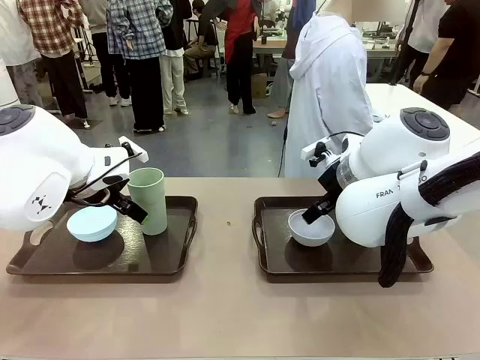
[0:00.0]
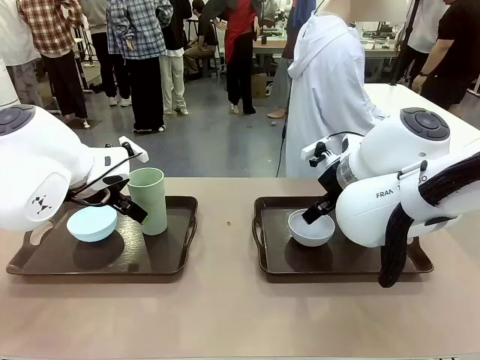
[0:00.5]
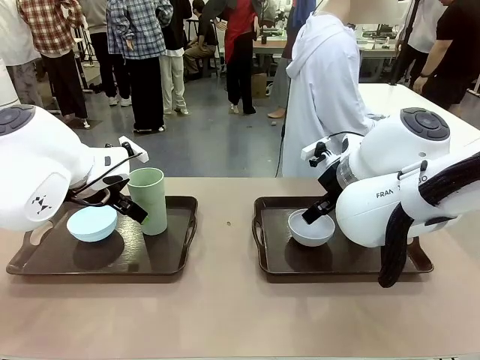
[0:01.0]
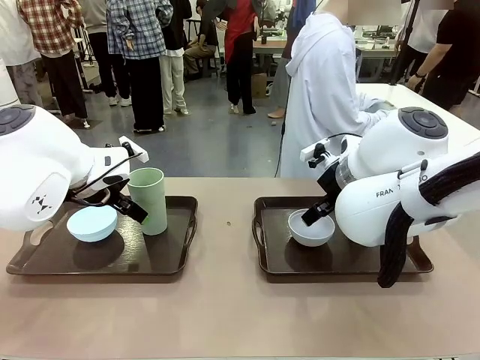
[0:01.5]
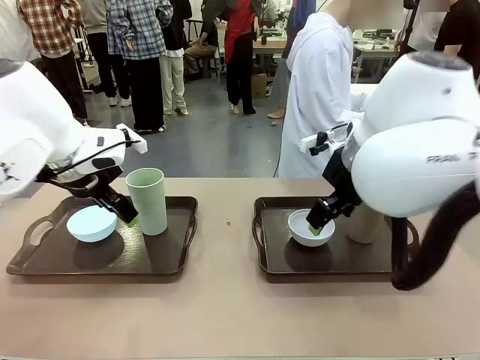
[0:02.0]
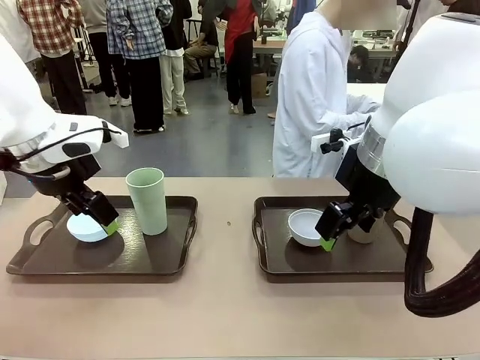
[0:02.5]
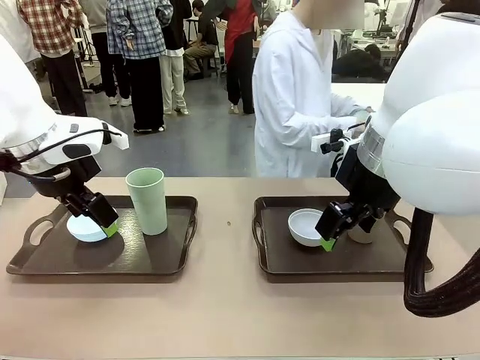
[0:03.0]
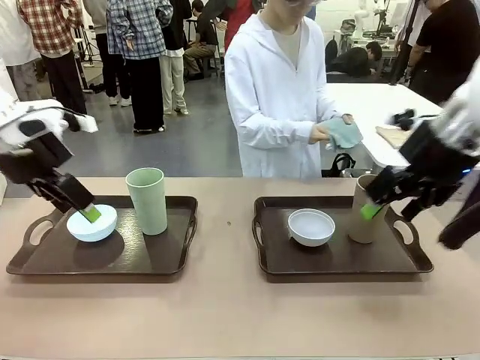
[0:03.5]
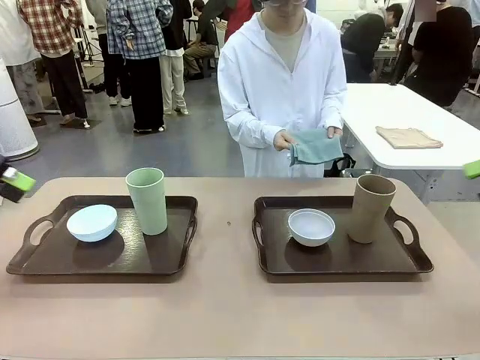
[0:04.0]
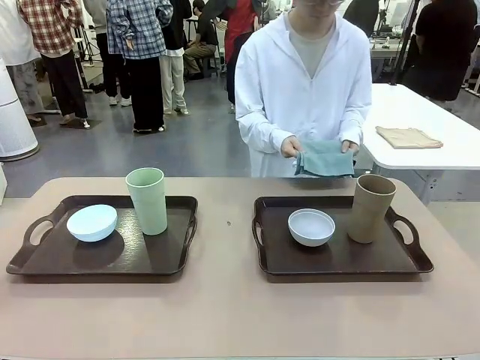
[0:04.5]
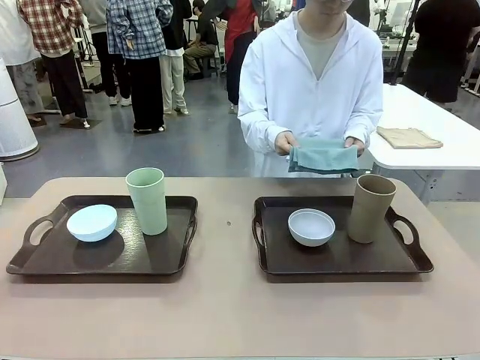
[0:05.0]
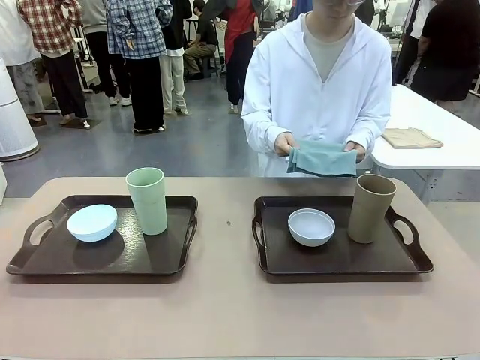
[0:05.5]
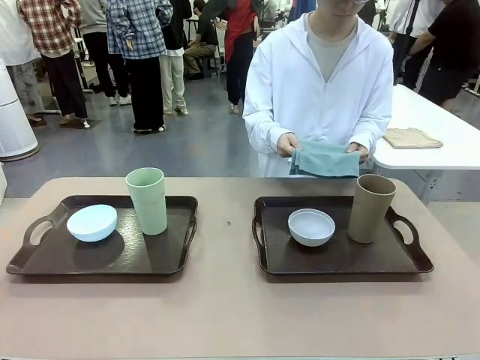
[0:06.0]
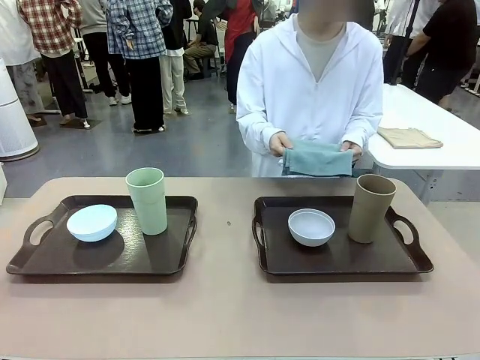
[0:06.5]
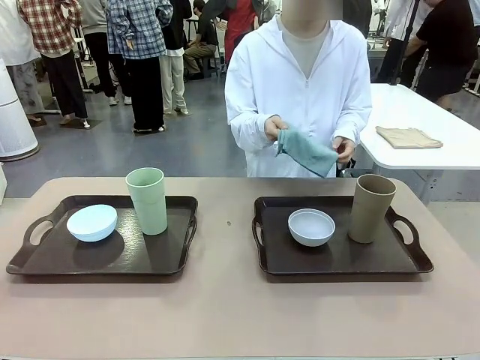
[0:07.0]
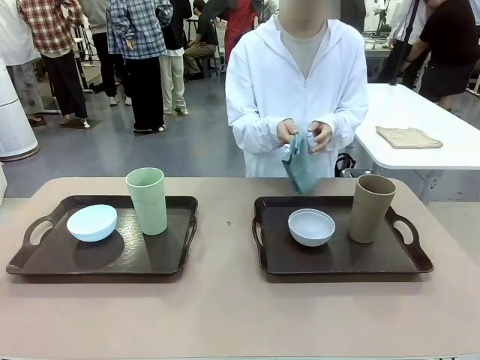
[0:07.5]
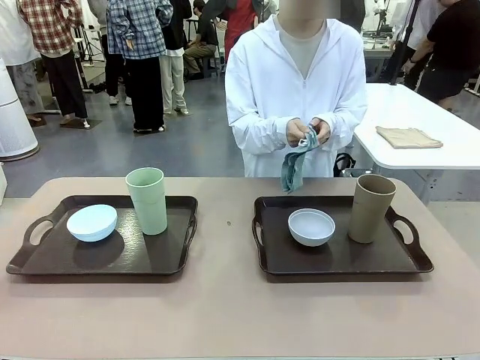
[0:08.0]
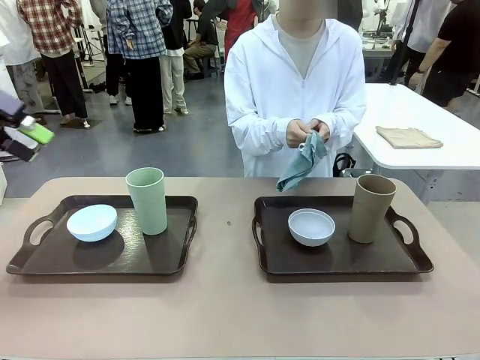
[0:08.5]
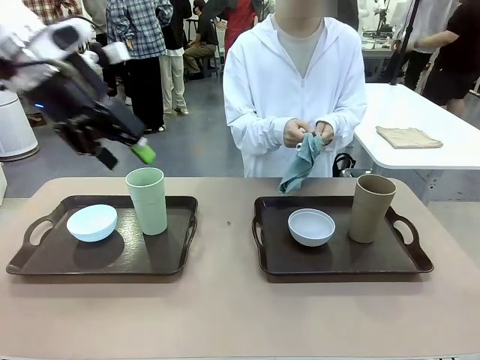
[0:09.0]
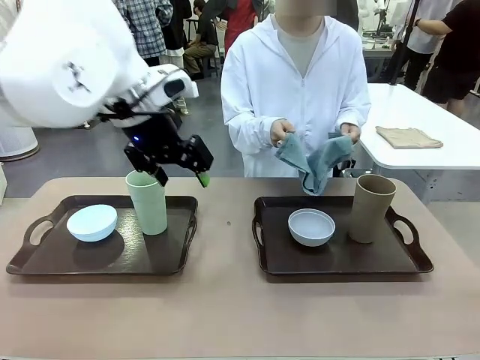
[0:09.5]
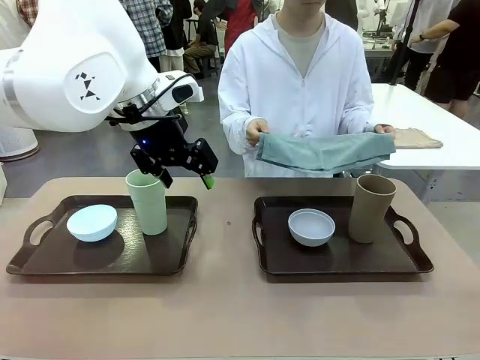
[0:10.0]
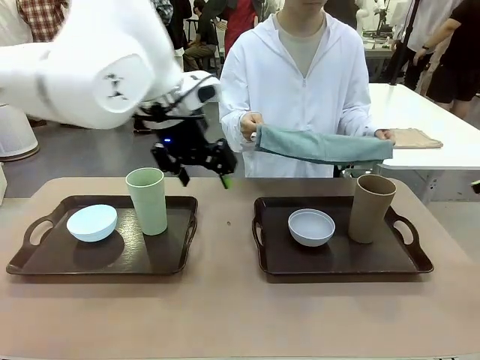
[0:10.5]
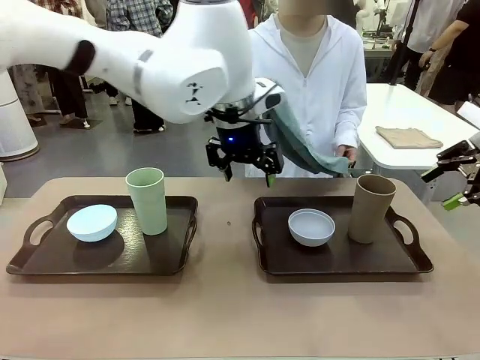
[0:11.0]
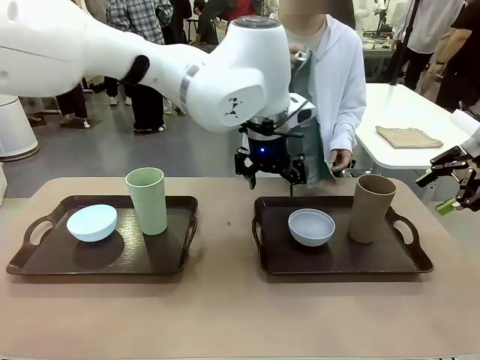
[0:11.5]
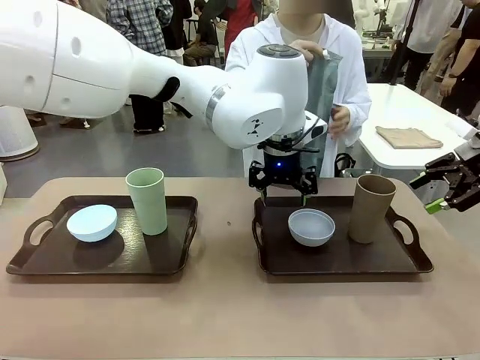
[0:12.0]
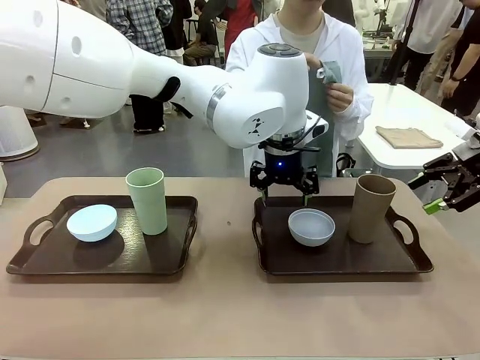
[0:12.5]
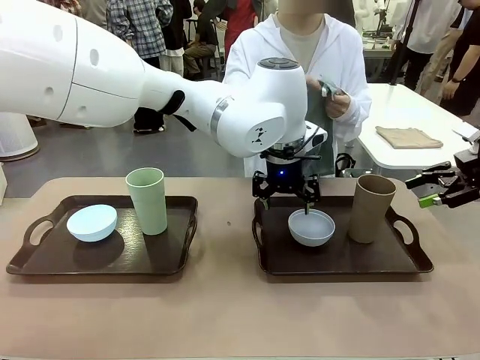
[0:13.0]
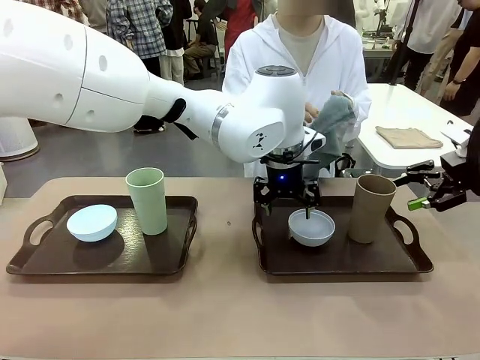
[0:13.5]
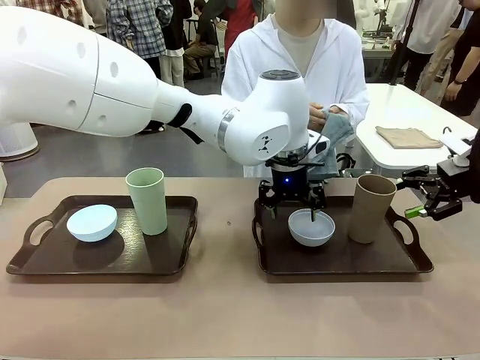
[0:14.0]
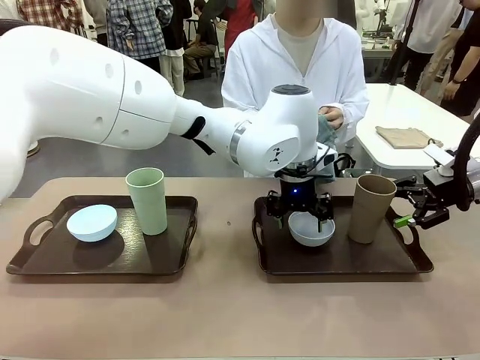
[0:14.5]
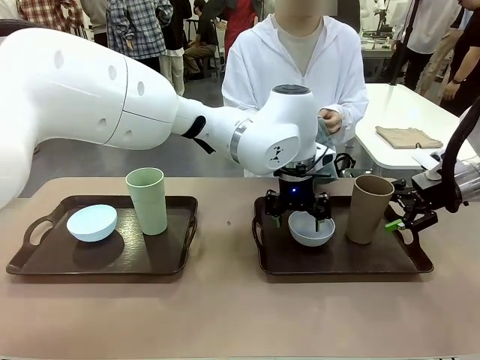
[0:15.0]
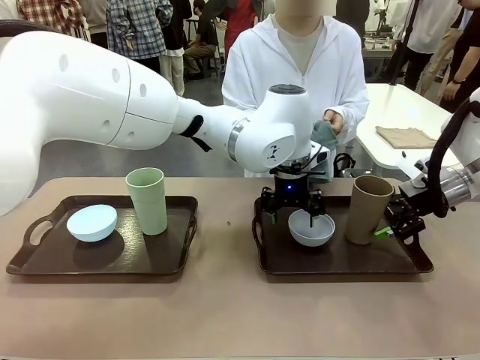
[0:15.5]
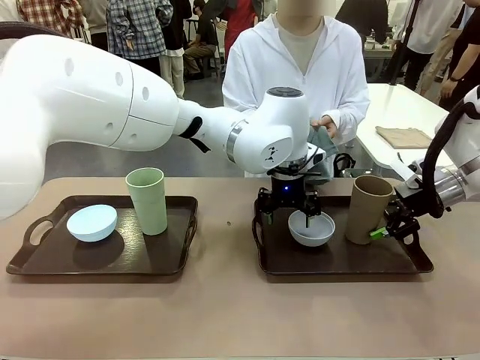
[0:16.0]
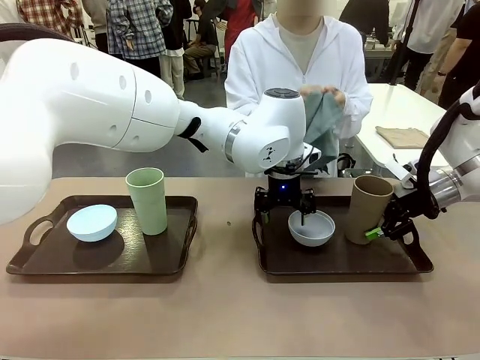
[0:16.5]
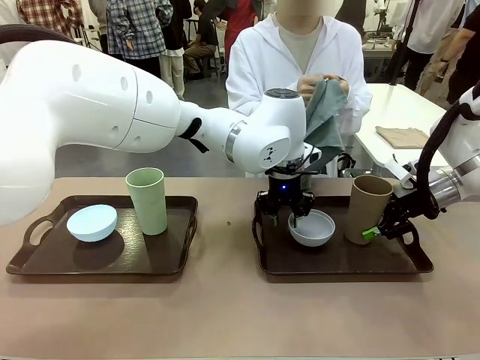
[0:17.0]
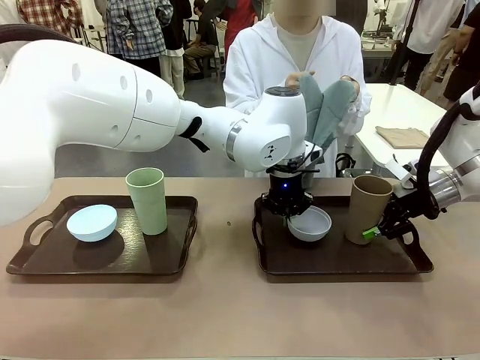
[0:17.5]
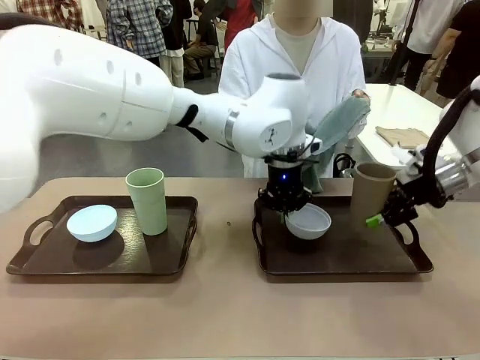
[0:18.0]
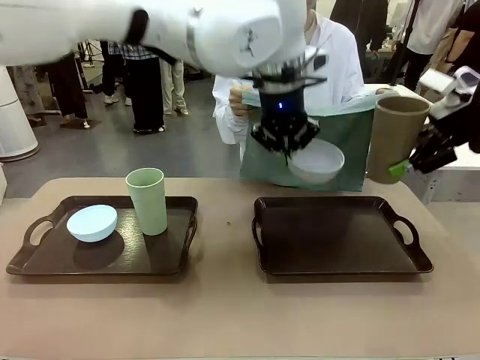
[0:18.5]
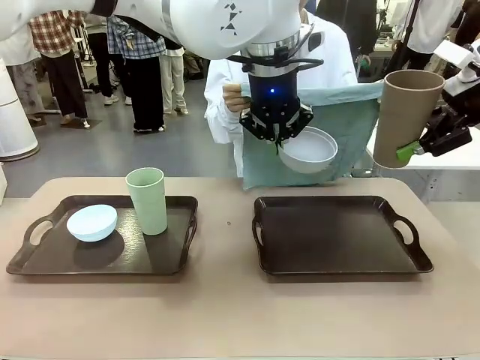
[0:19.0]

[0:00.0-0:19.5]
Robot: Pick up the Picnic Bowl and Reusable plastic cup from the Handle tray in front of the human's position and hold them in the air.
Person: The human picks up the top napkin from the stack on the human table and walks to the robot table to stand in front of one of the two trays. When the robot lifts the bowl and the cup, the human unfolds the napkin and lays the napkin flat on the tray.

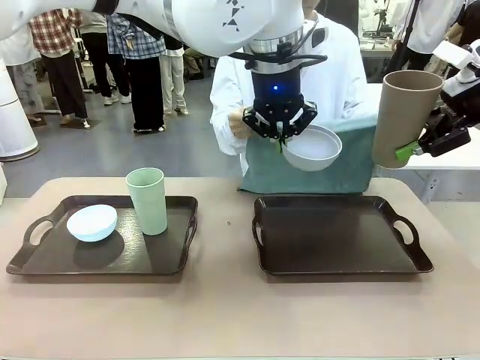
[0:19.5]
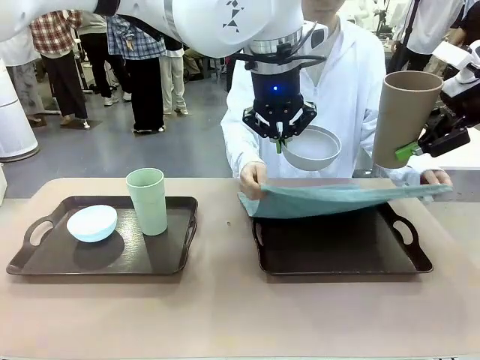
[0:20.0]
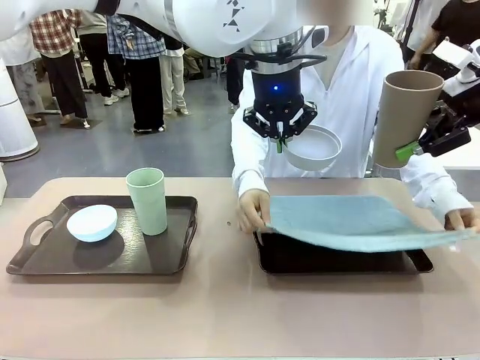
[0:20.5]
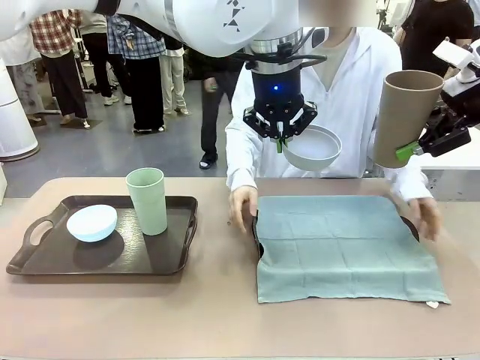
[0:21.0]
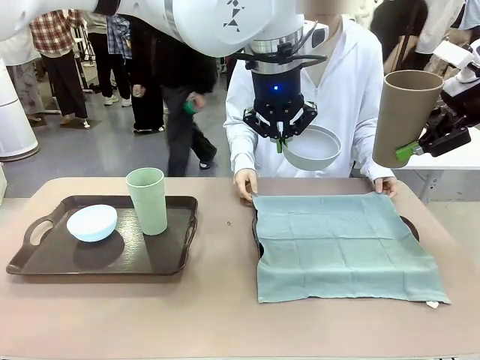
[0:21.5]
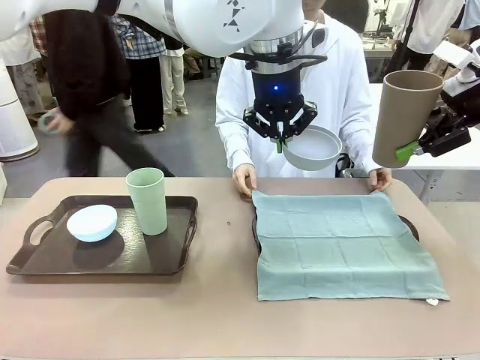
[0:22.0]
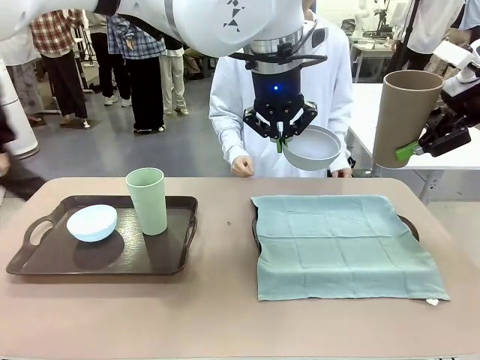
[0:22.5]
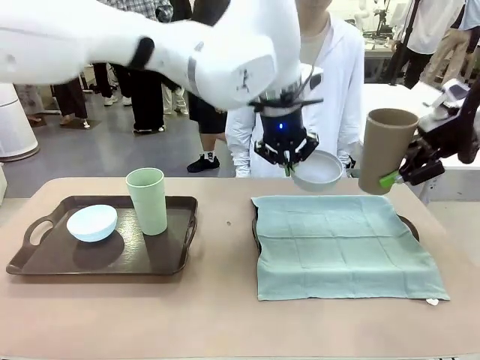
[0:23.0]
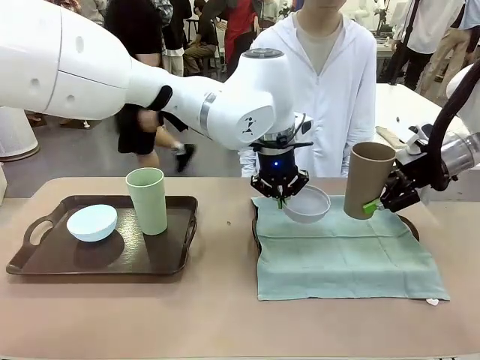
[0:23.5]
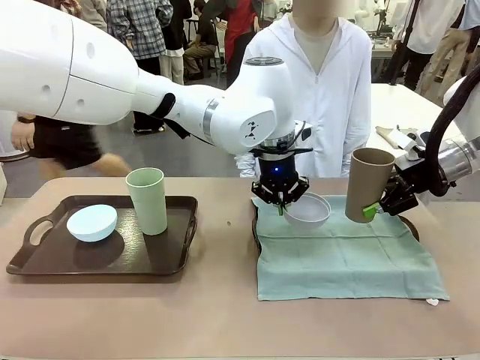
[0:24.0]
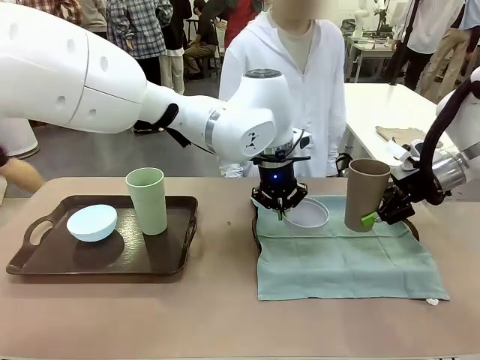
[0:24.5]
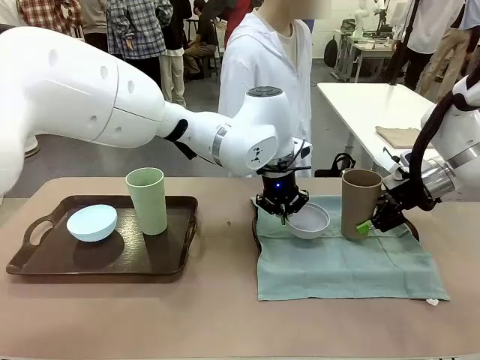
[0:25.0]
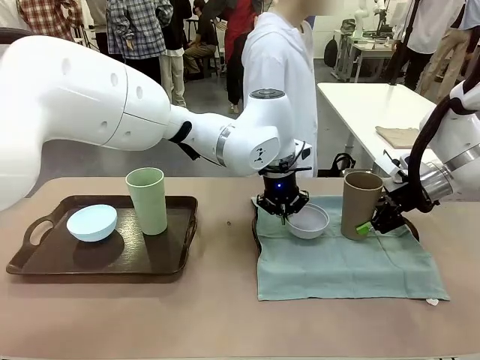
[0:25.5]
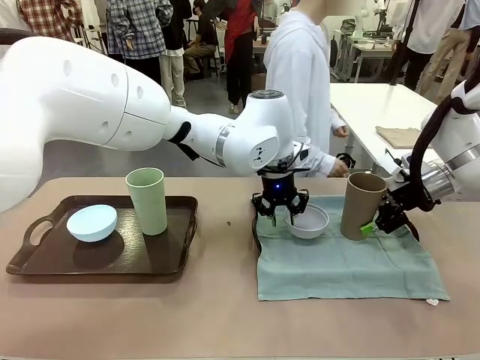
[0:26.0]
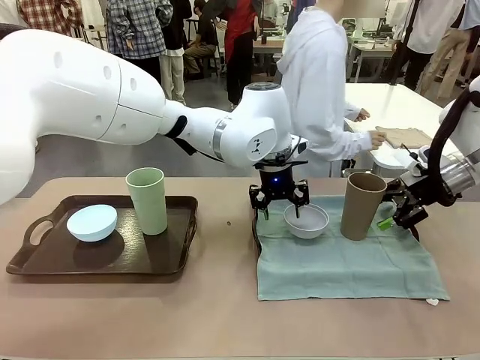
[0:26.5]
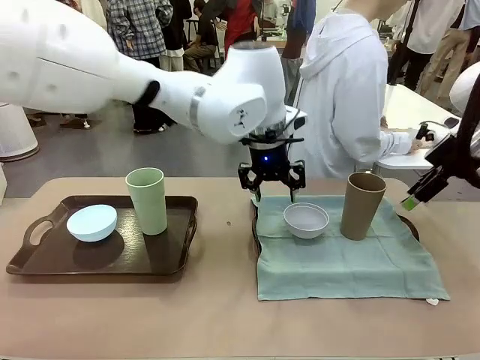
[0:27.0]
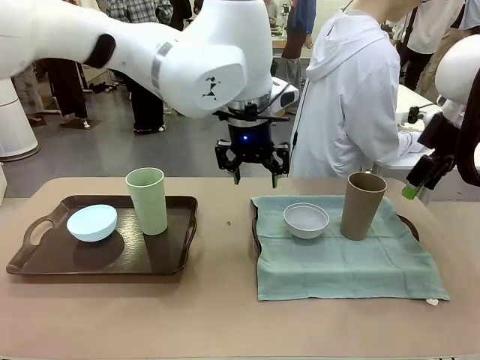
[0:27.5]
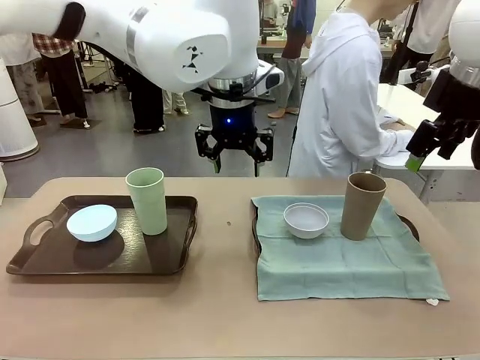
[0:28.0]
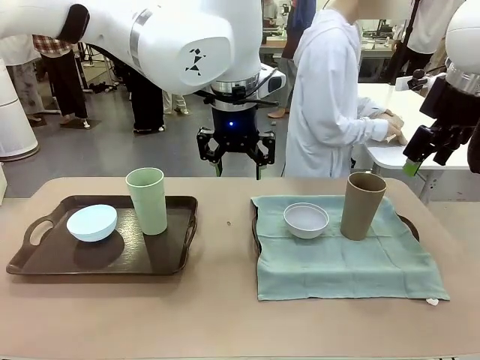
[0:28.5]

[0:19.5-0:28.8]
Robot: Place the Picnic Bowl and Reusable plastic cup back onto the Handle tray in front of the human's position.
Person: The human returns to the human table to pick up another napkin and walks to the robot table to stand in front of the tray without a napkin.
